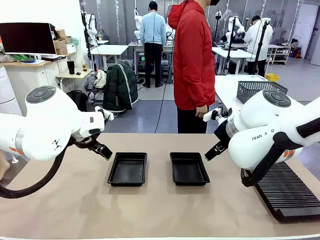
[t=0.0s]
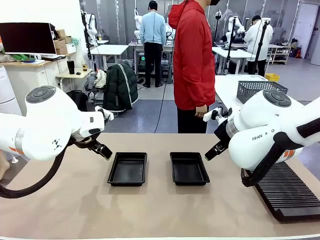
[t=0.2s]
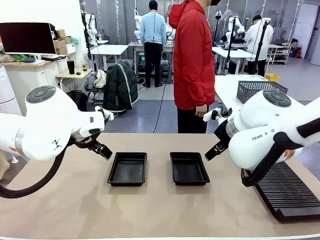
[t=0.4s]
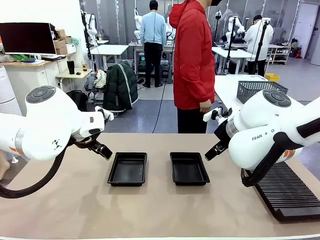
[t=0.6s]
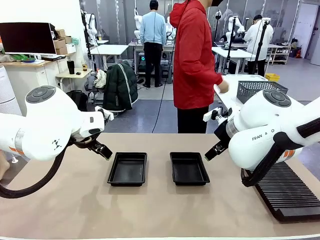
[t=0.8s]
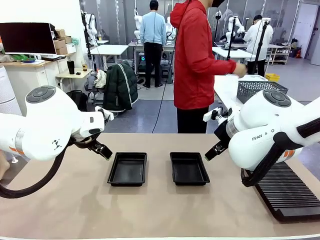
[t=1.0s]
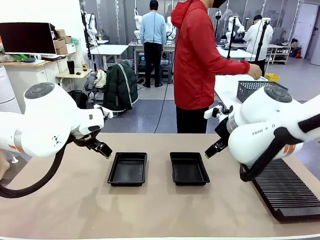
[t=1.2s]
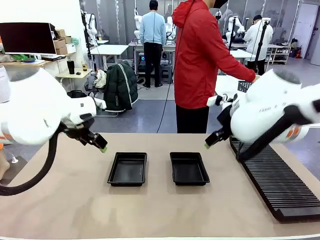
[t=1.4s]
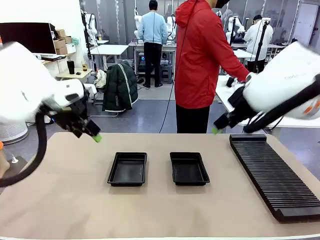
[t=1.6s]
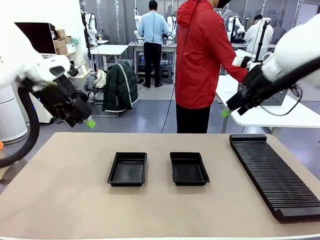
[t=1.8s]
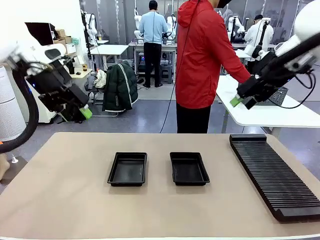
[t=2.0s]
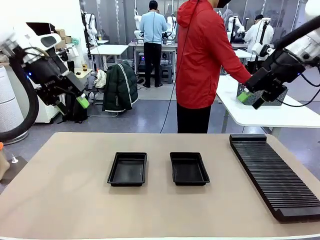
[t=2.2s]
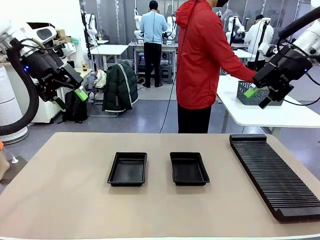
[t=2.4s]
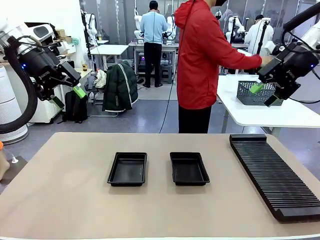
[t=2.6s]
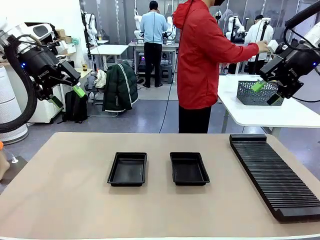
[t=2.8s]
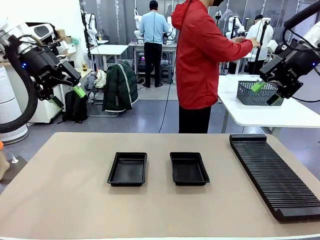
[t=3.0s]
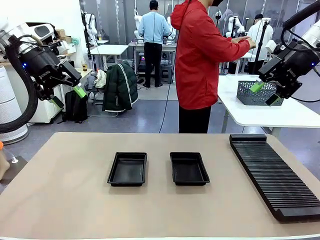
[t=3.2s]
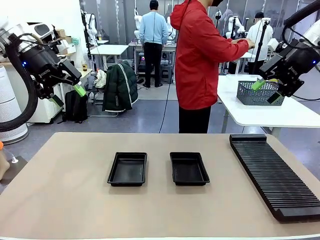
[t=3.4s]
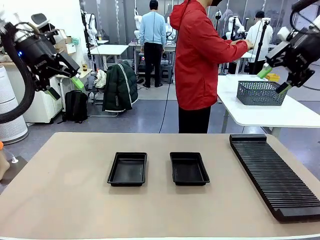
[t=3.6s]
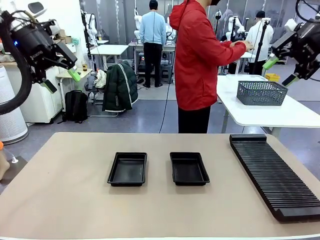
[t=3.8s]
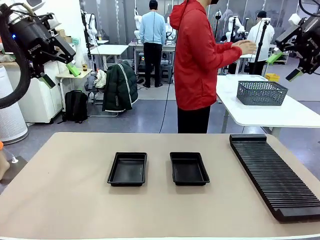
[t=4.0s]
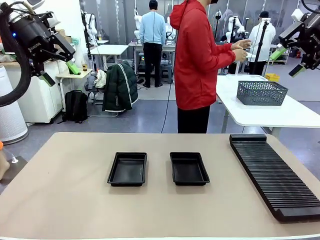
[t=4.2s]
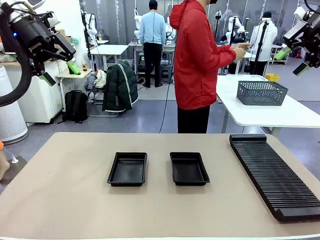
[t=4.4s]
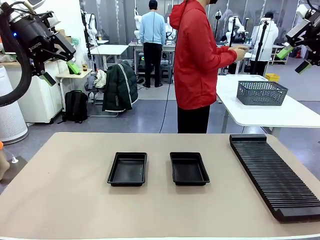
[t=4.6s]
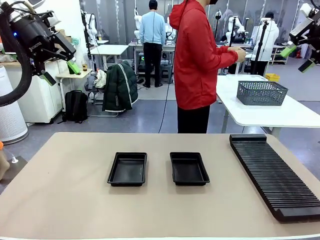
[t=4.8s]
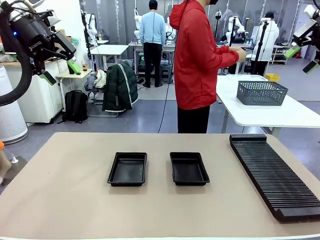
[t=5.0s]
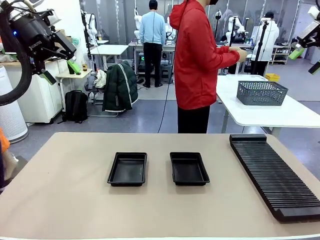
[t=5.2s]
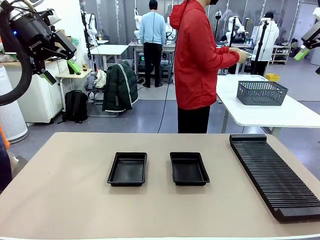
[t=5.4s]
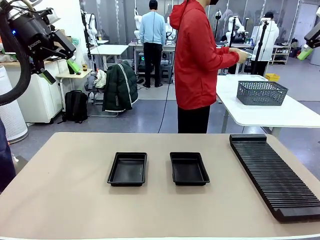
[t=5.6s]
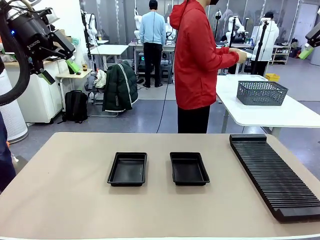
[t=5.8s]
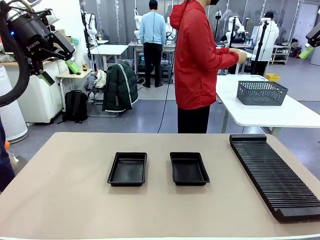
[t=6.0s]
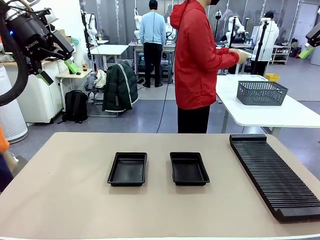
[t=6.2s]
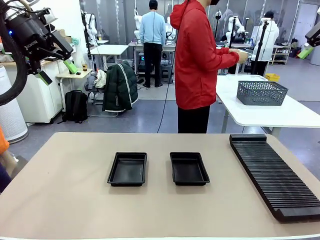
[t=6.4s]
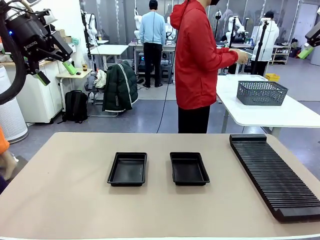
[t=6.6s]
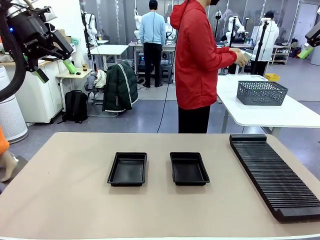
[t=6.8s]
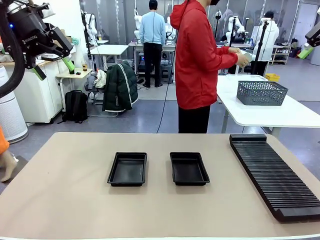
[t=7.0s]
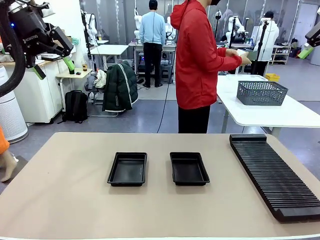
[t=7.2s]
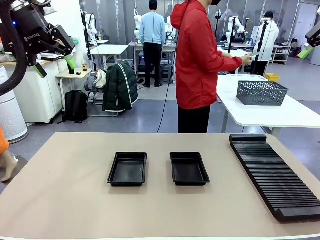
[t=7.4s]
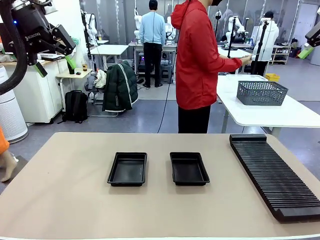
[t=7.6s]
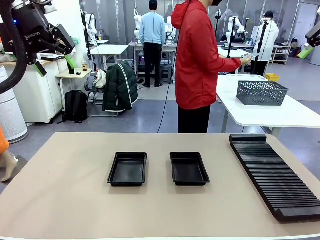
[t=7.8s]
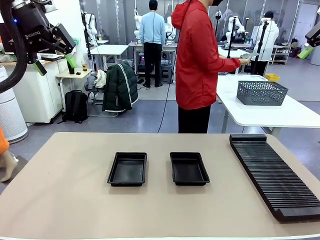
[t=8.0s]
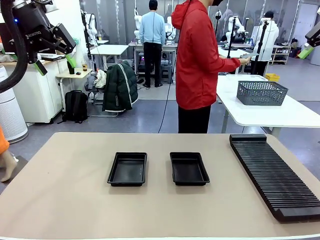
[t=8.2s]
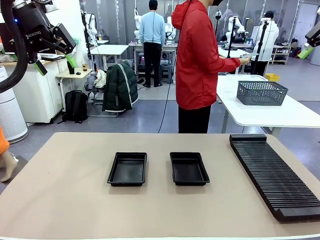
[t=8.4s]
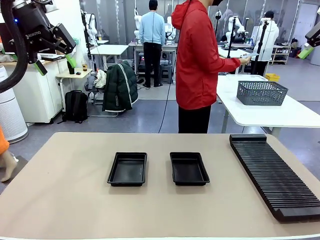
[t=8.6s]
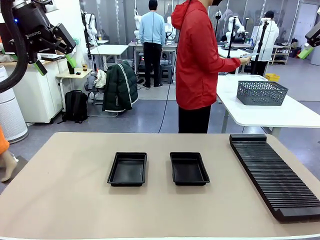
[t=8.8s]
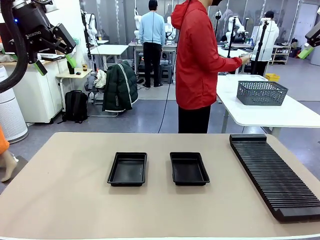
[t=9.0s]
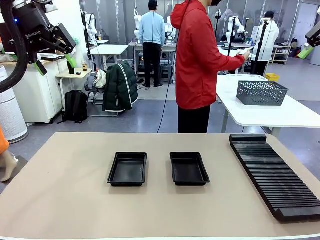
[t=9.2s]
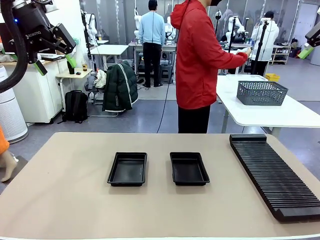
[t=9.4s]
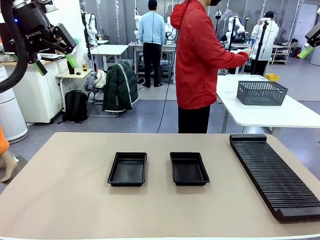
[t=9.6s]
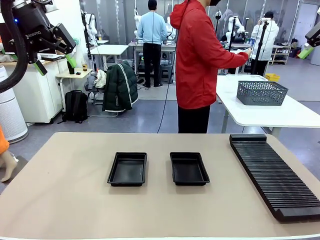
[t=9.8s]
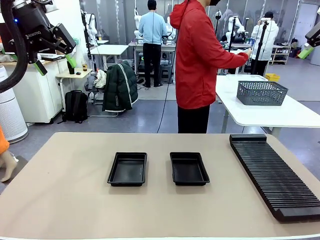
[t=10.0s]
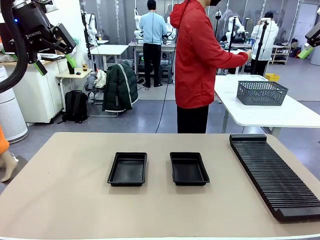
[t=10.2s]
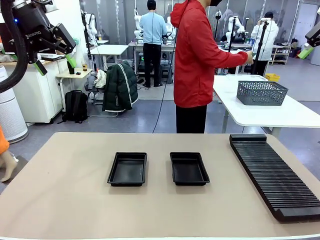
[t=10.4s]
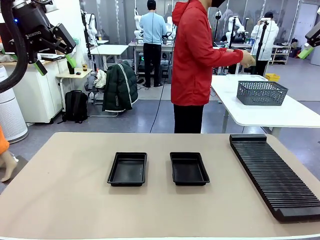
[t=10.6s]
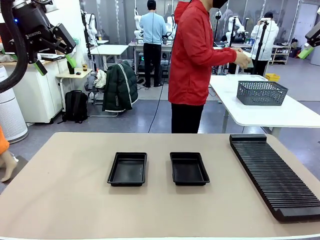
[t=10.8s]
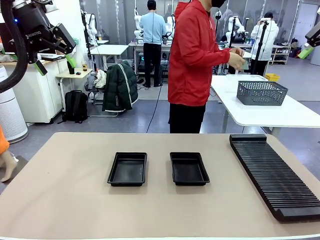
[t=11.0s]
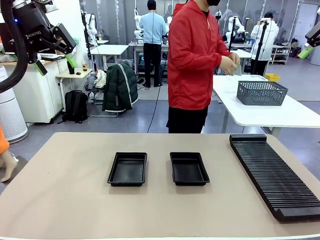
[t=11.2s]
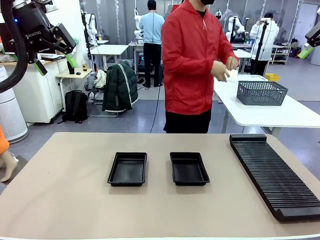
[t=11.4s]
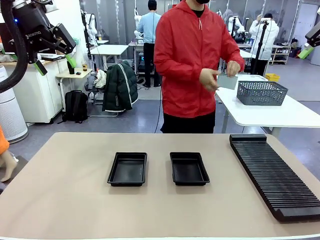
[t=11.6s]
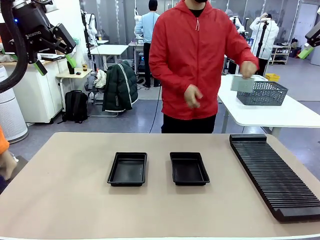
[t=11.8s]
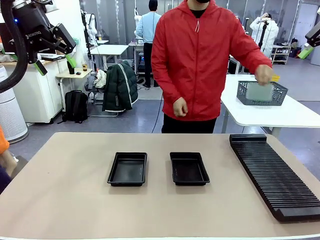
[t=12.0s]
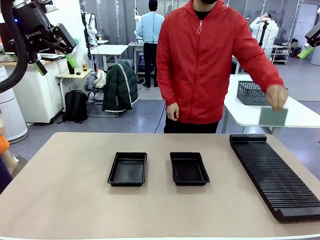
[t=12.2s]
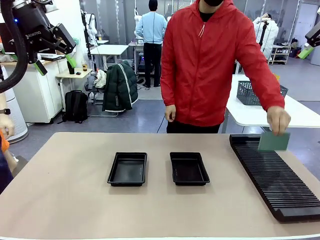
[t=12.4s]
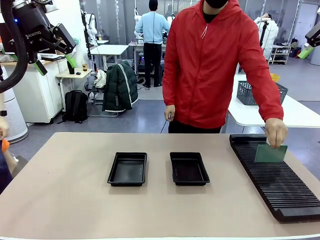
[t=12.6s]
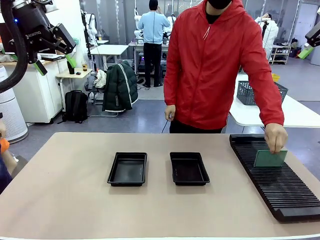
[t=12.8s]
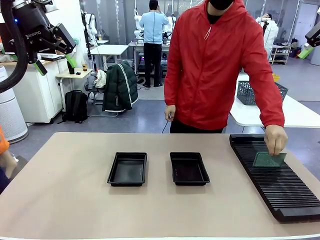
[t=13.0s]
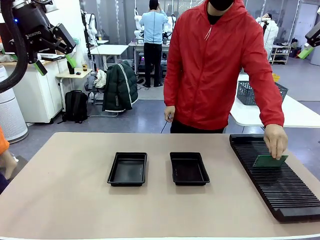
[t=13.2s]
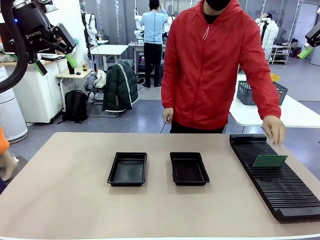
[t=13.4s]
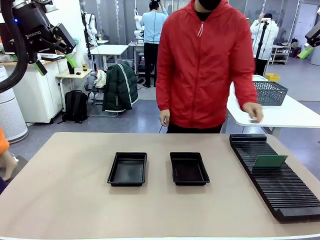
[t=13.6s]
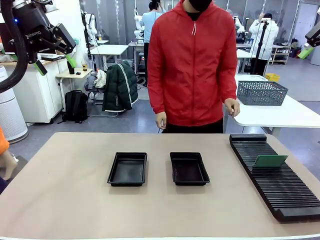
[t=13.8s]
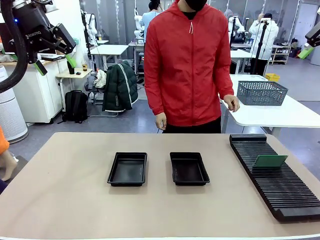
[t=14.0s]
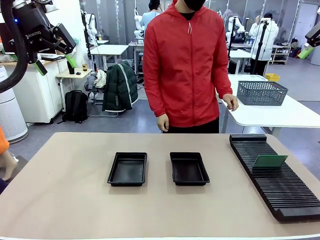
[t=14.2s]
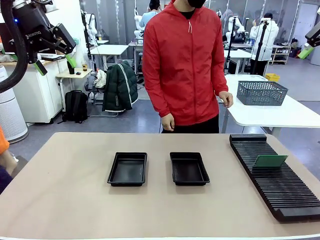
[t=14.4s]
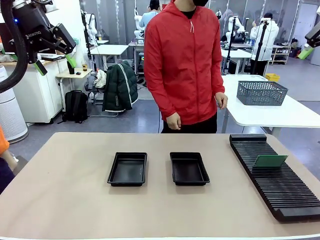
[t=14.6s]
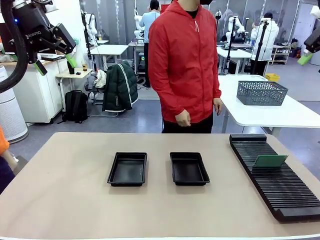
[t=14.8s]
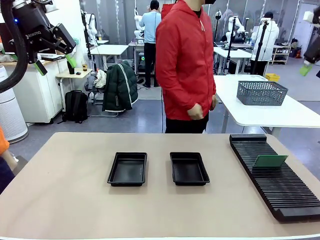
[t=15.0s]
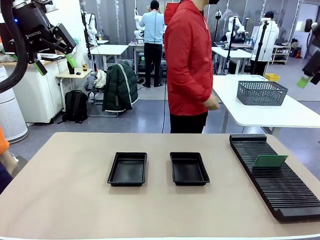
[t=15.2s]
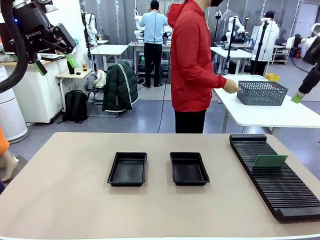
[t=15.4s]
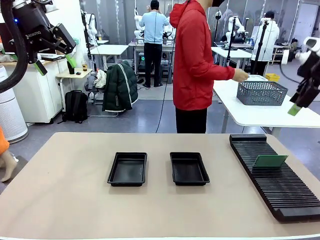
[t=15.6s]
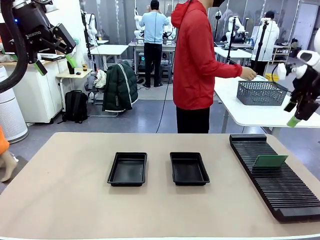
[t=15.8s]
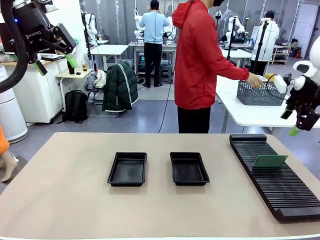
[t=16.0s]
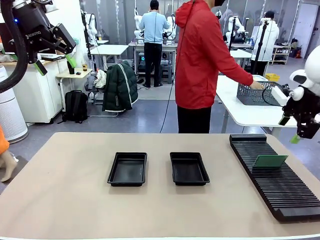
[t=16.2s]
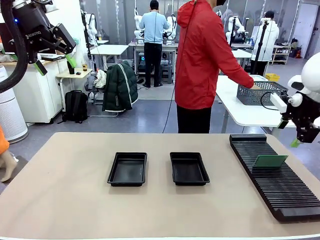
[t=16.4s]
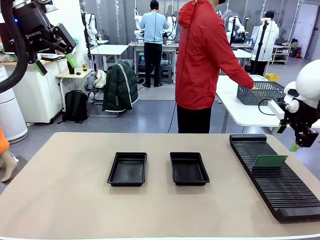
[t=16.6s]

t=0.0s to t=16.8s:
Task: Inspect and transfer BCBs to ESD trays.
Robot: Pick up the Blank PCB from the PCB Rack and place it in the left ESD tray.
